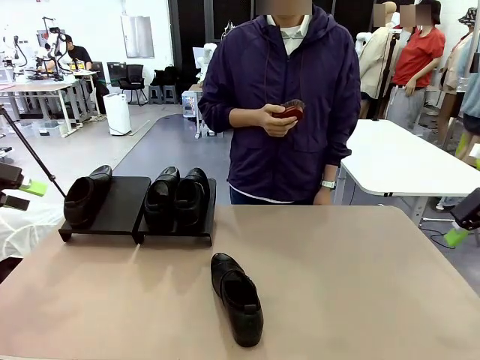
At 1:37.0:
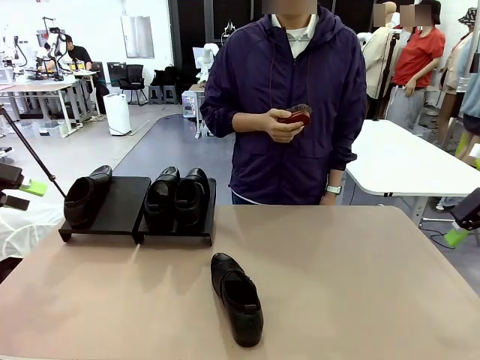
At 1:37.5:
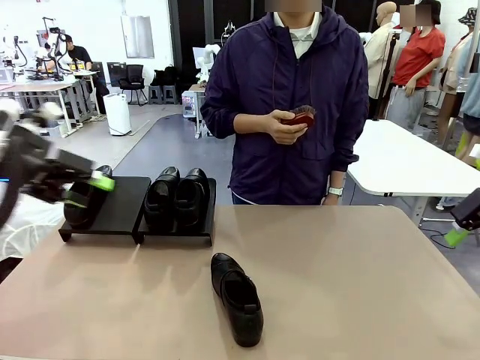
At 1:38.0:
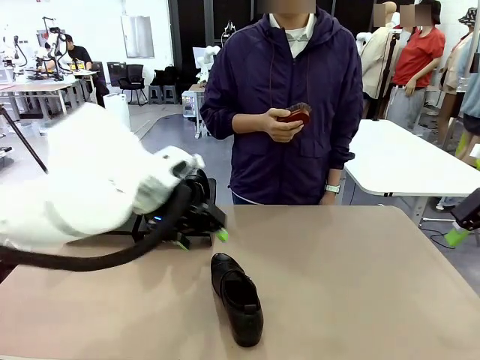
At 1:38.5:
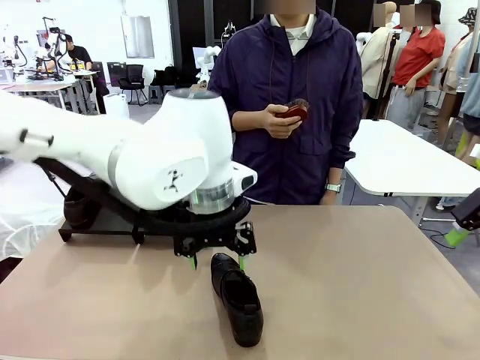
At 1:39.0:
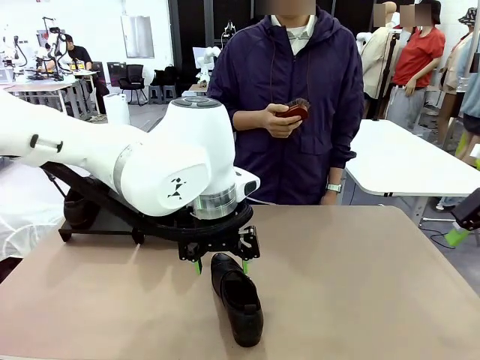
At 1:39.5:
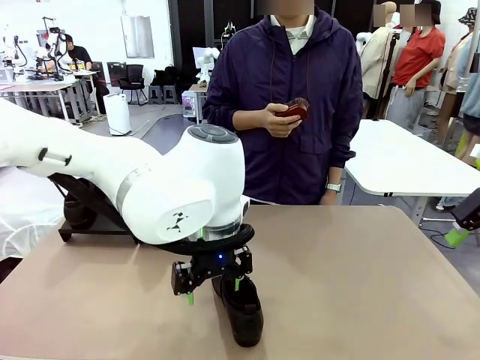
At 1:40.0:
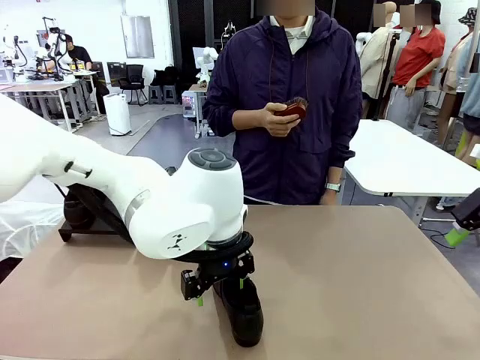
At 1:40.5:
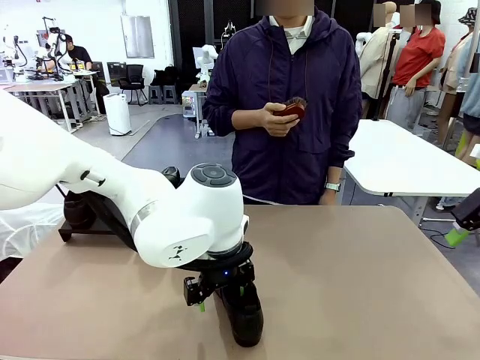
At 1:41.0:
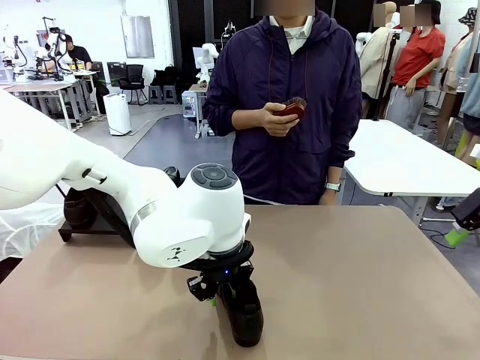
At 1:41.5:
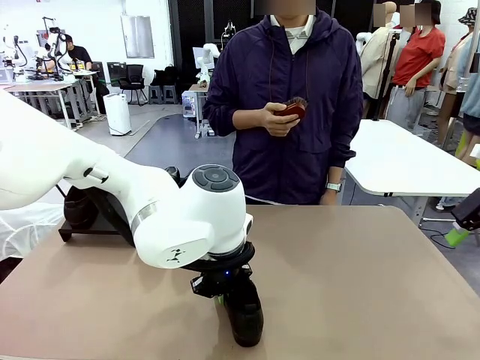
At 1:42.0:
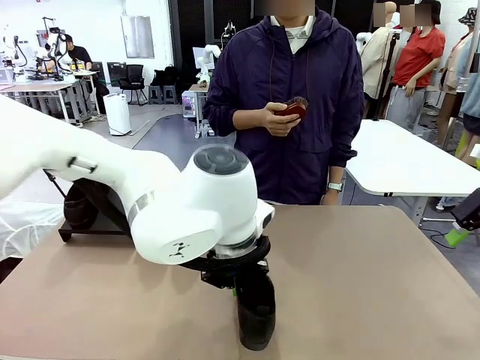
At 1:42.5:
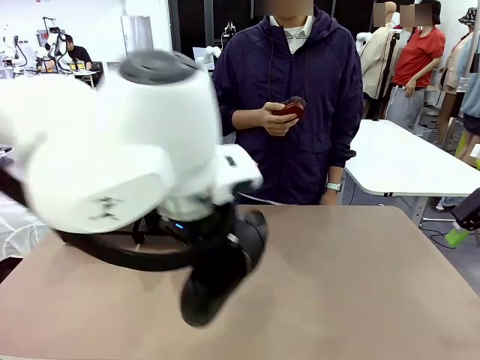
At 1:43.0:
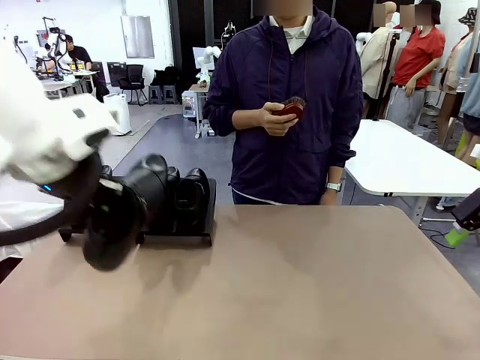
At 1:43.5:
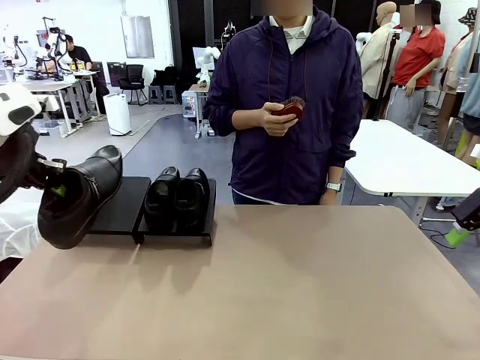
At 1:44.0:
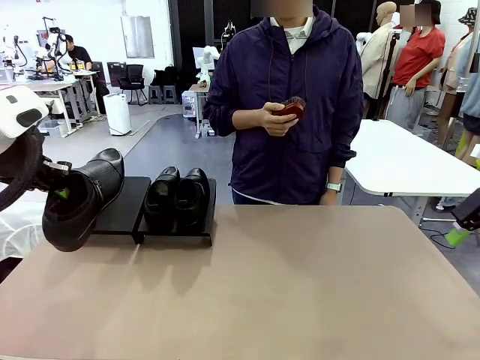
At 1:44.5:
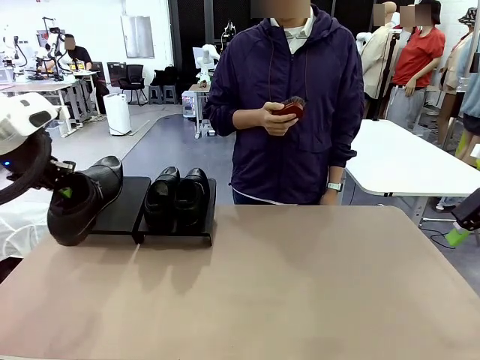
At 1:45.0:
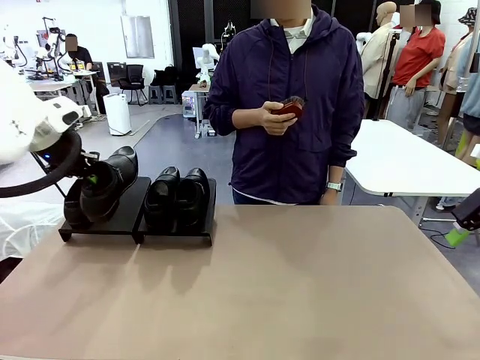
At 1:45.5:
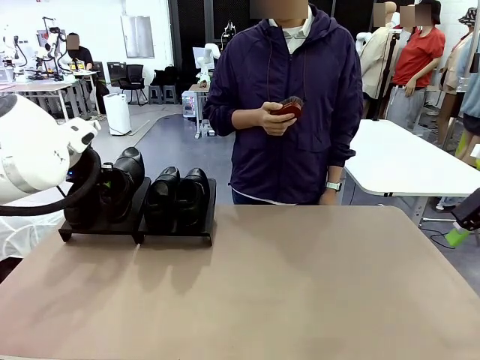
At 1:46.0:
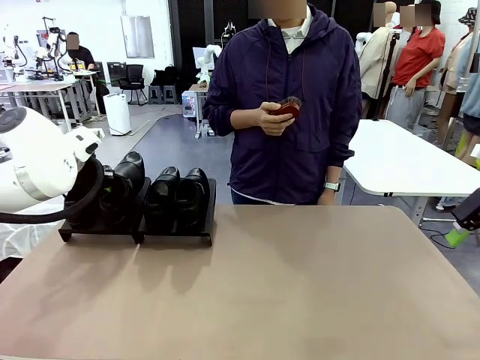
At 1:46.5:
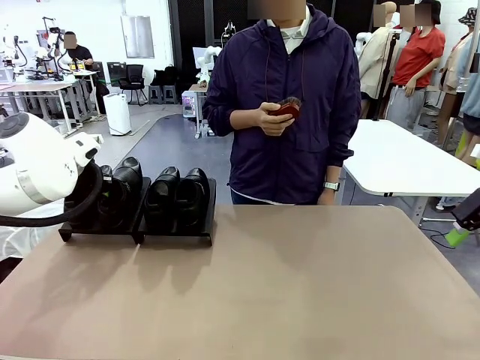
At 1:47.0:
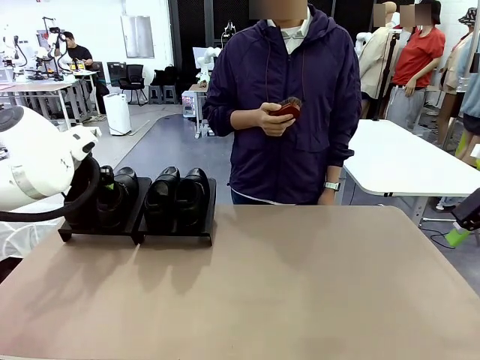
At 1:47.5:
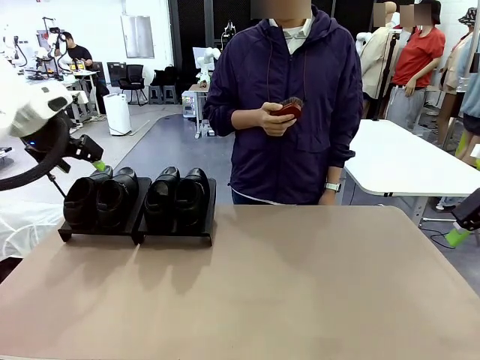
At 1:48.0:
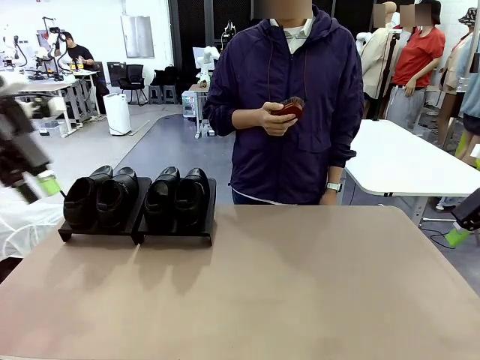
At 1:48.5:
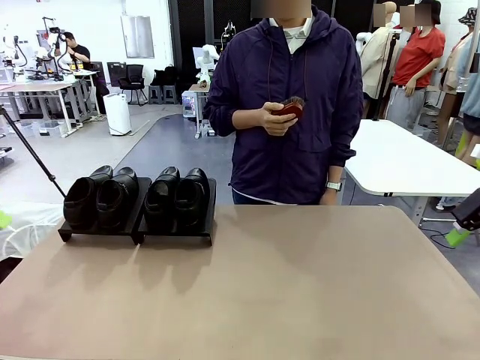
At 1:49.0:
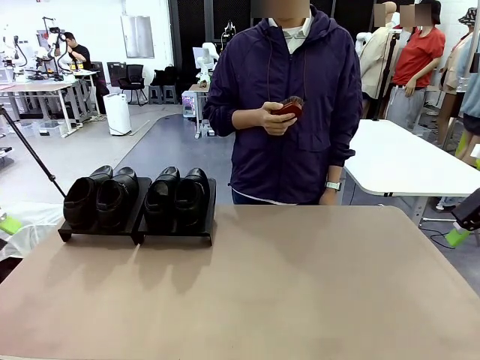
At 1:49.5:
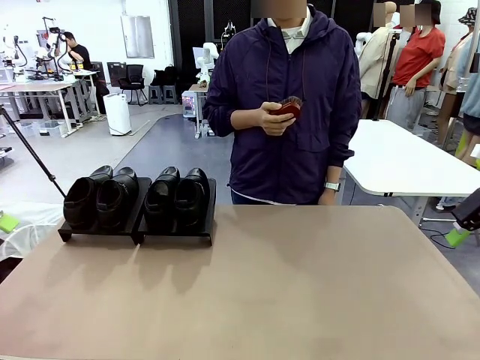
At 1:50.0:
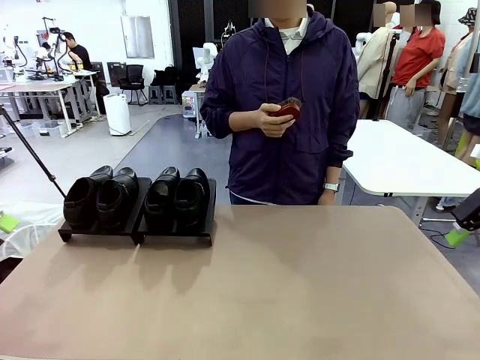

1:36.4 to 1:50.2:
Task: Organize the shoes by placing them on the stand.
Robot: Place the Shoe from the middle of the table onto the Shoes Stand.

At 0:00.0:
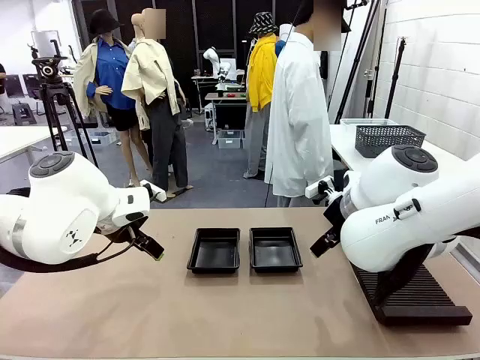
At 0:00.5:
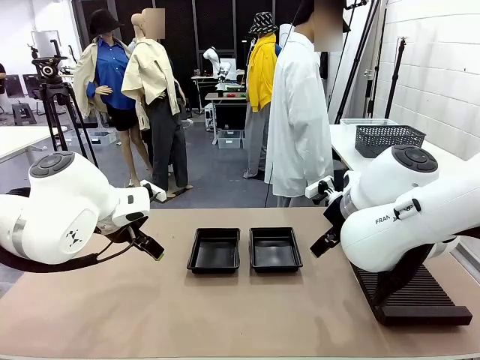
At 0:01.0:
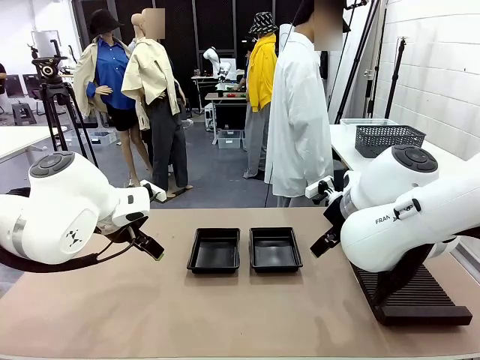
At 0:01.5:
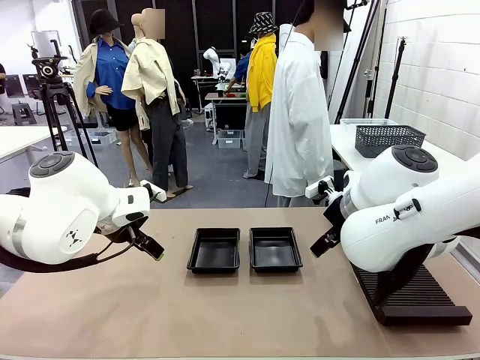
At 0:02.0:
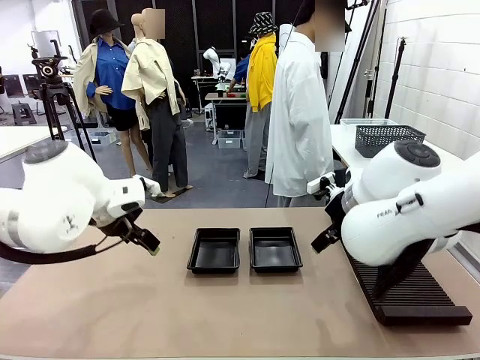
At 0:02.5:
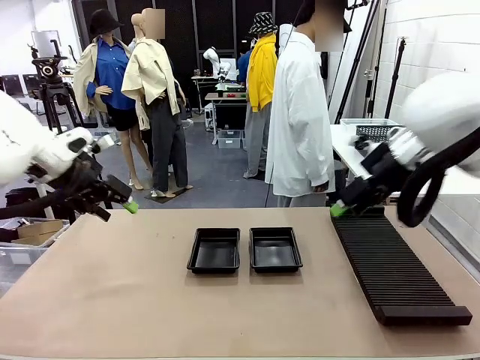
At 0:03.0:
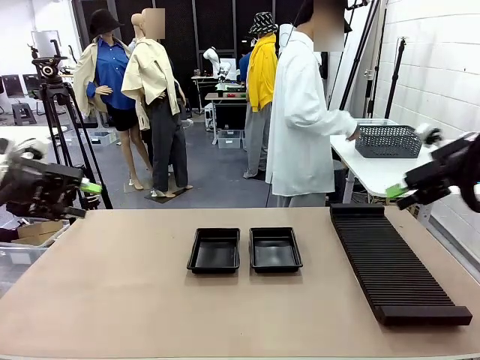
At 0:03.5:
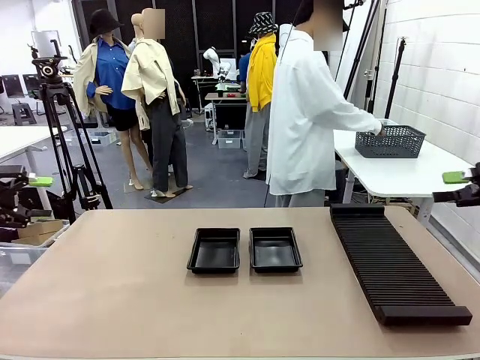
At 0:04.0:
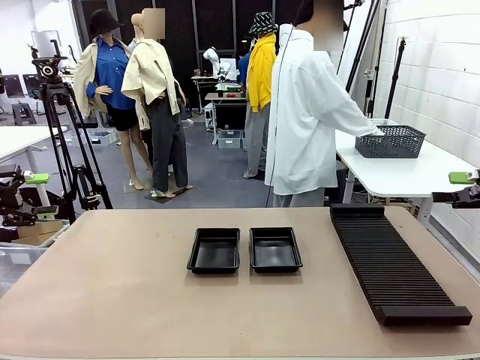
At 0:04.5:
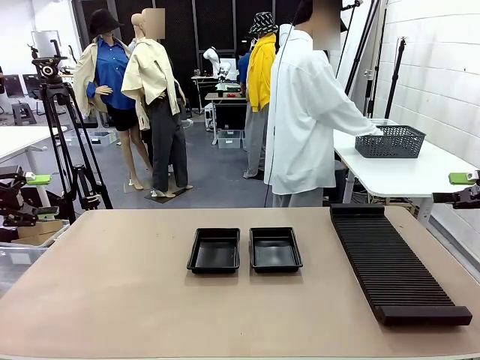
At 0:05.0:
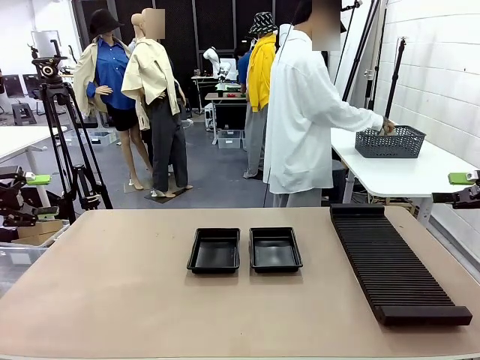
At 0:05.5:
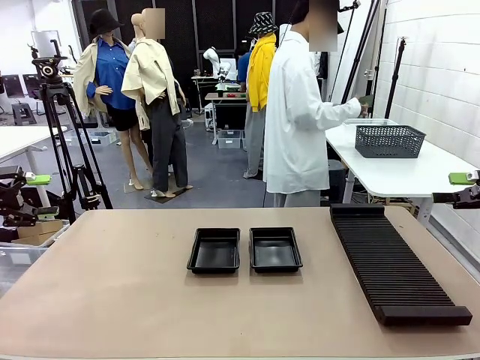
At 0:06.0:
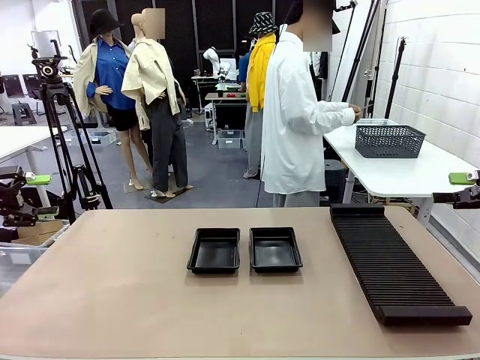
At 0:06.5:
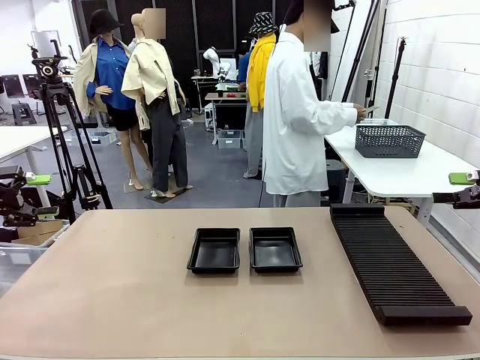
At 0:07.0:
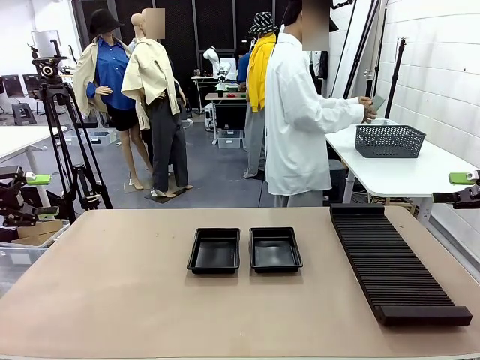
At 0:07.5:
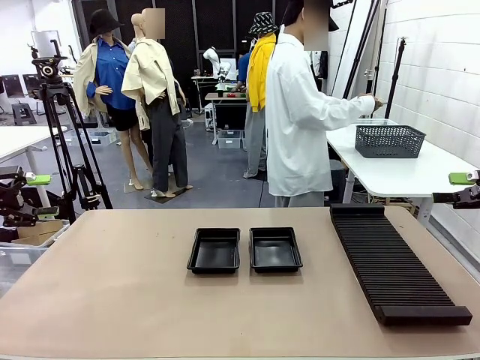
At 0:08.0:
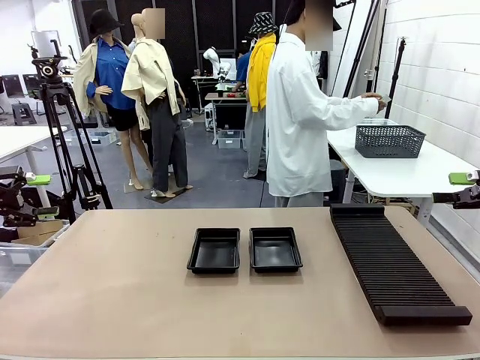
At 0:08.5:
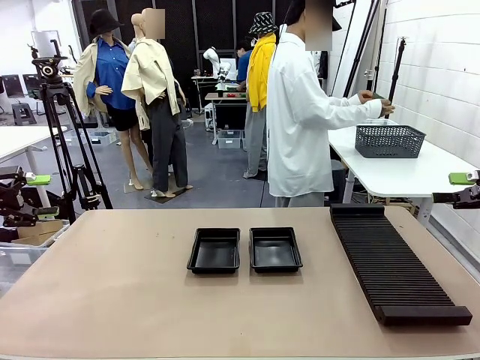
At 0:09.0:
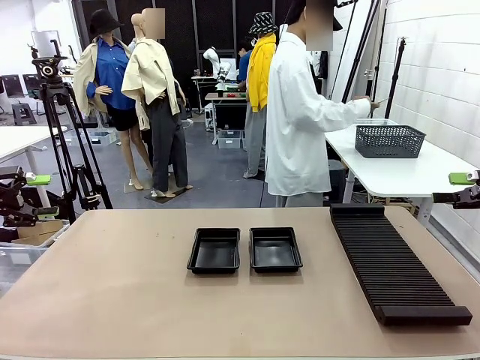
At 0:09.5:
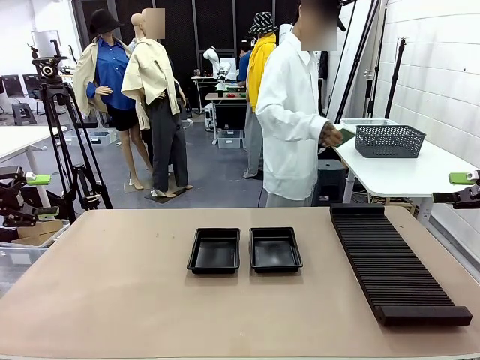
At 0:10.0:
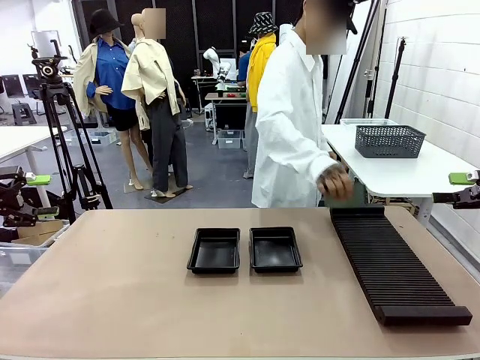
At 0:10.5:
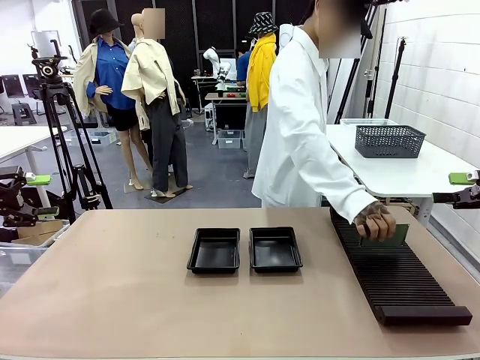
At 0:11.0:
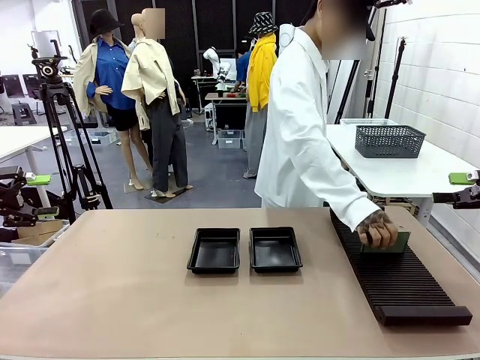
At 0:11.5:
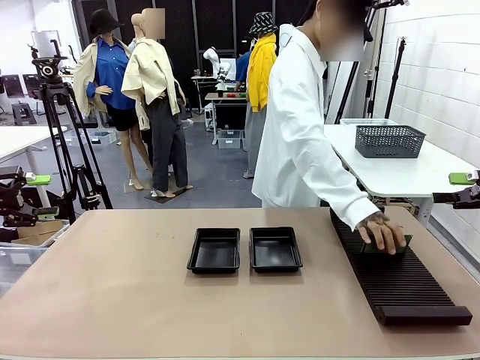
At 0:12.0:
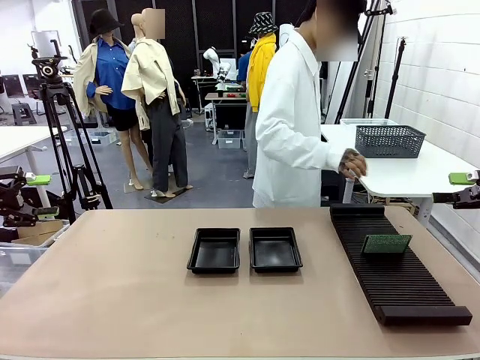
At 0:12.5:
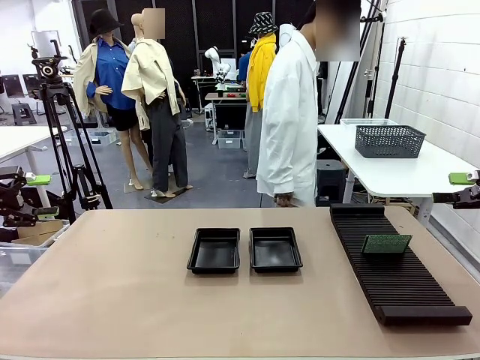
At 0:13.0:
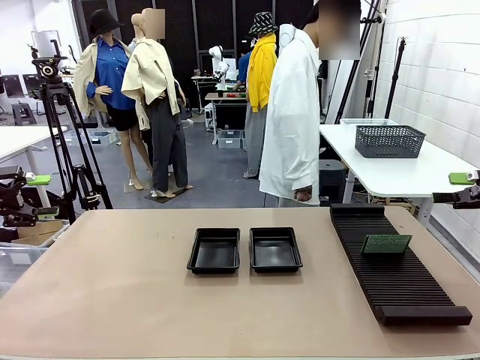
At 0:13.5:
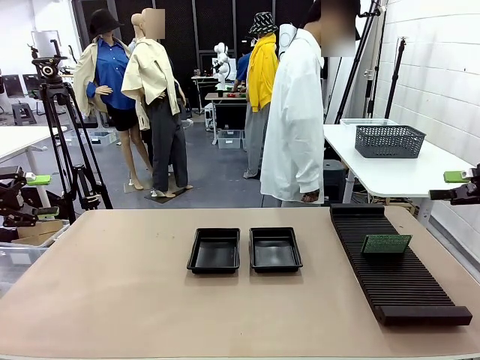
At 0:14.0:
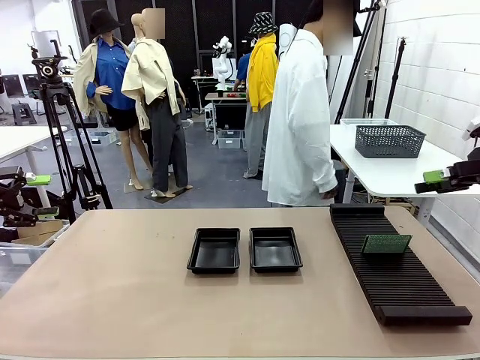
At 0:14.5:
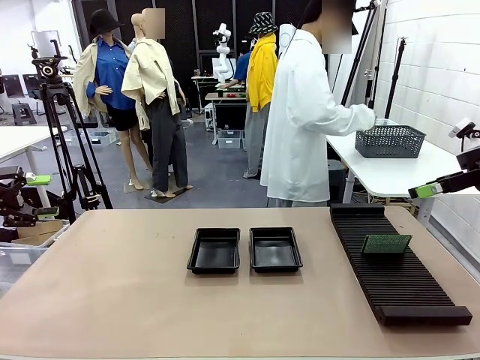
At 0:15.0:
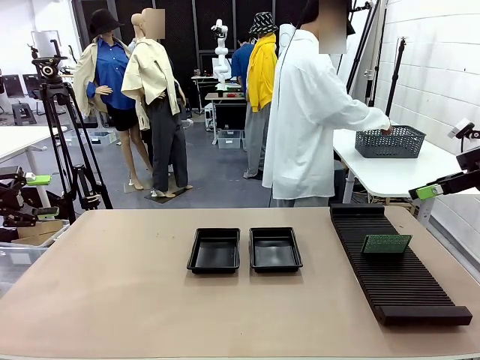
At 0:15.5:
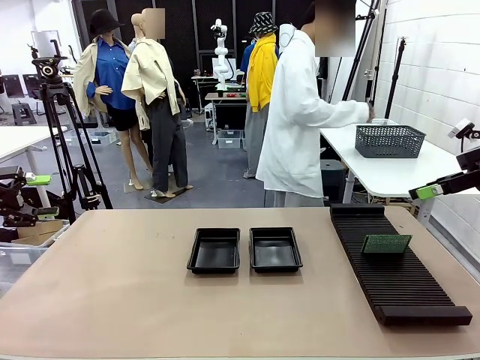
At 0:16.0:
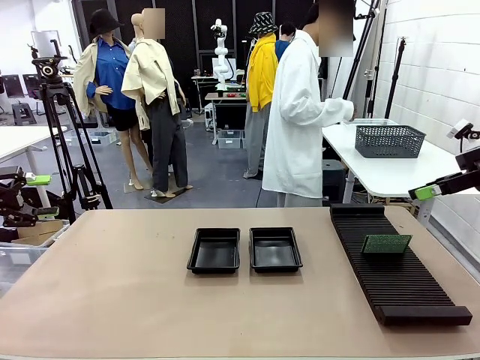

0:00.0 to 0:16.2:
Task: Inspect and transfer BCBs to ESD trays.
Robot: Pick up the Blank PCB from the PCB Rack and place it in the left ESD tray.
